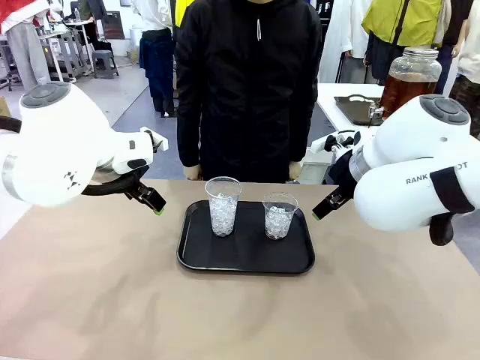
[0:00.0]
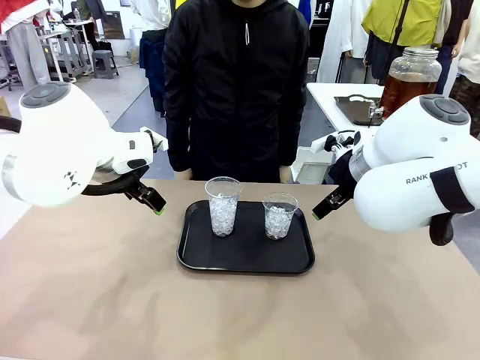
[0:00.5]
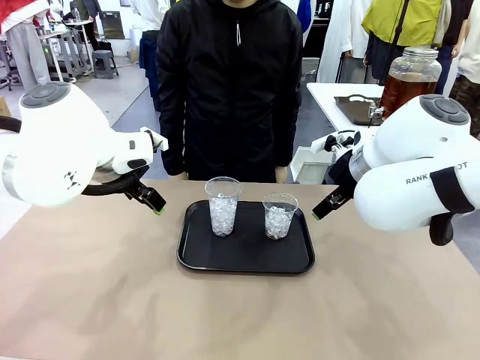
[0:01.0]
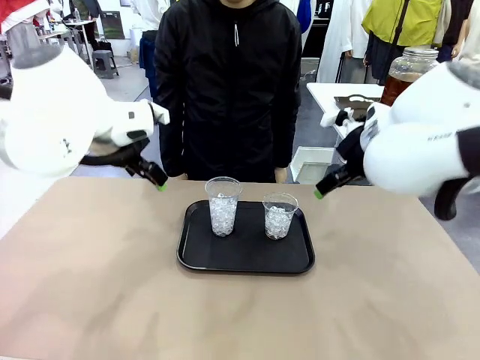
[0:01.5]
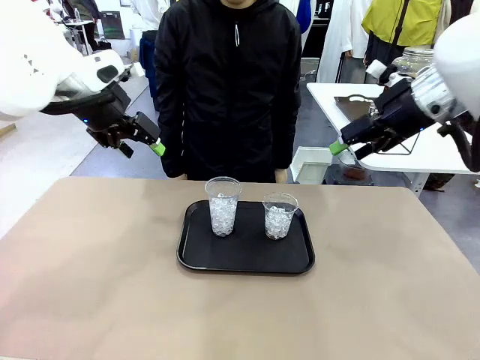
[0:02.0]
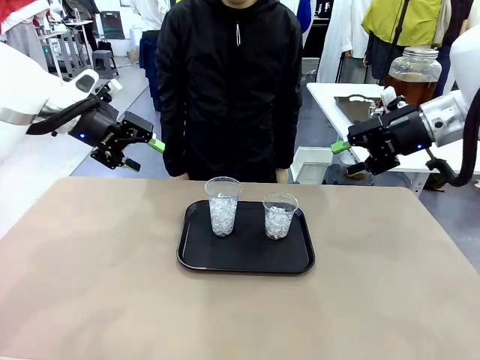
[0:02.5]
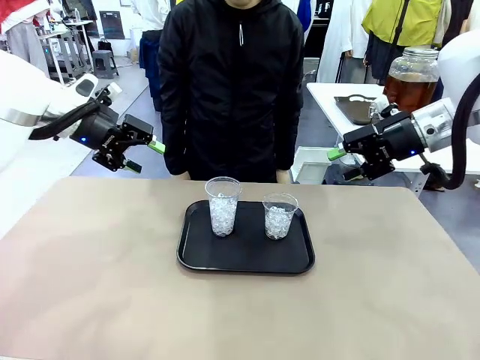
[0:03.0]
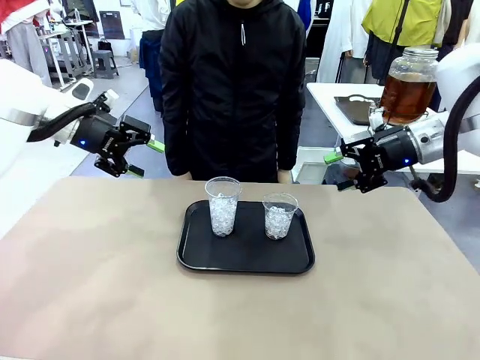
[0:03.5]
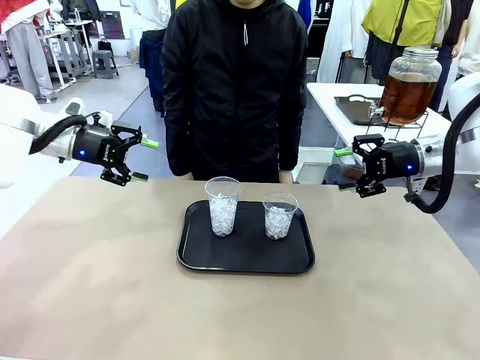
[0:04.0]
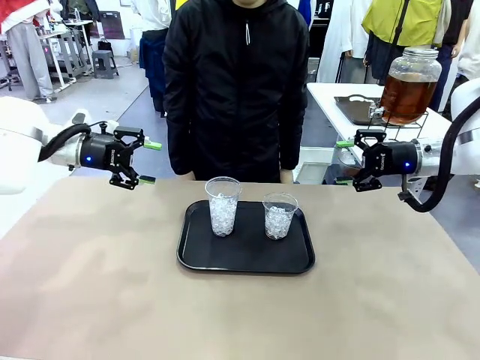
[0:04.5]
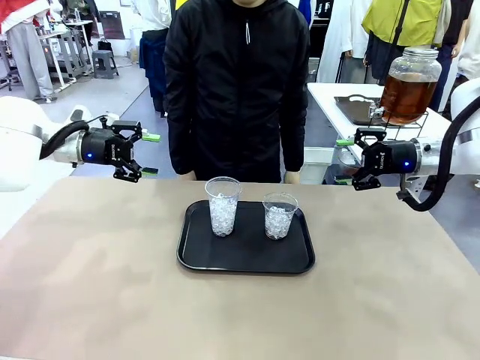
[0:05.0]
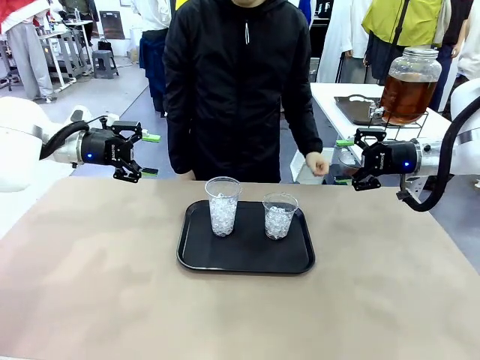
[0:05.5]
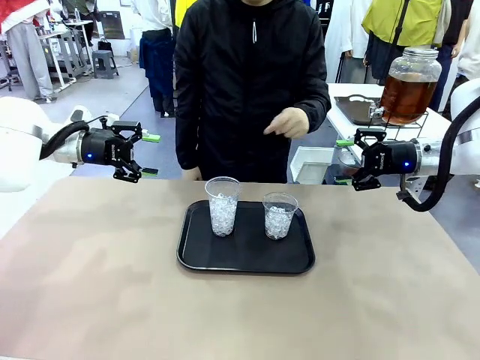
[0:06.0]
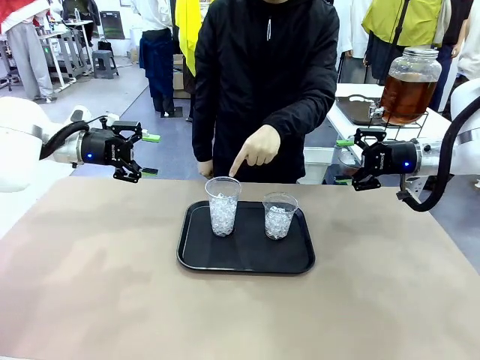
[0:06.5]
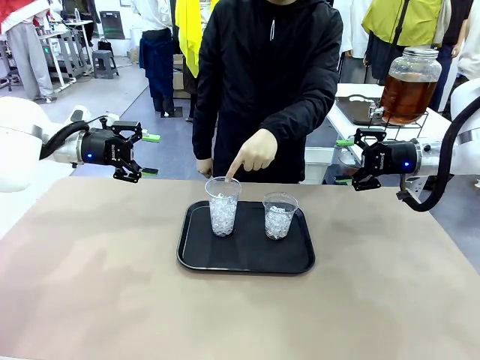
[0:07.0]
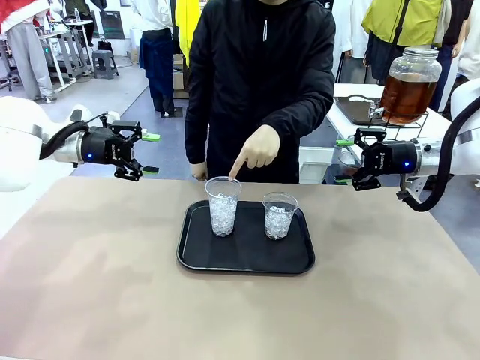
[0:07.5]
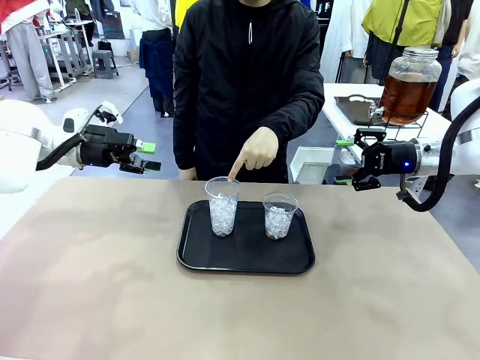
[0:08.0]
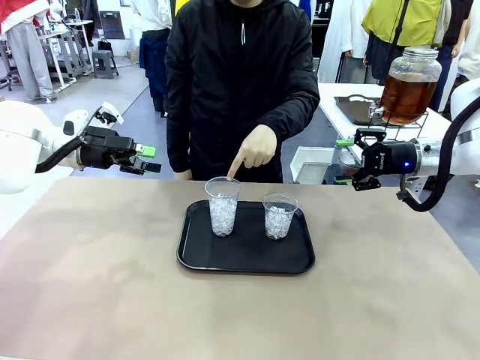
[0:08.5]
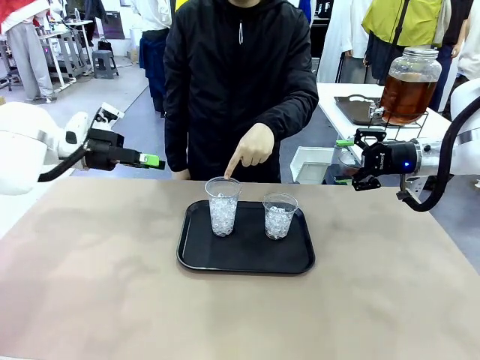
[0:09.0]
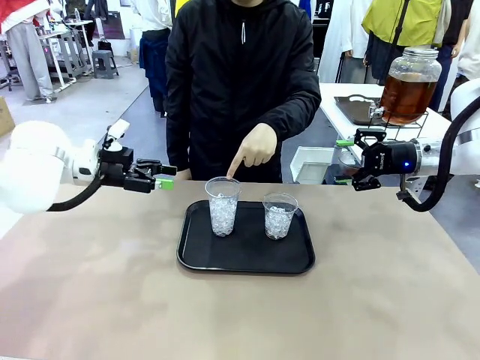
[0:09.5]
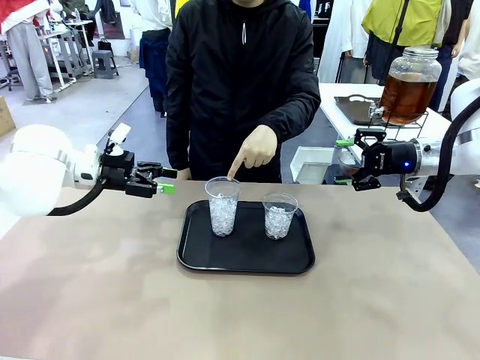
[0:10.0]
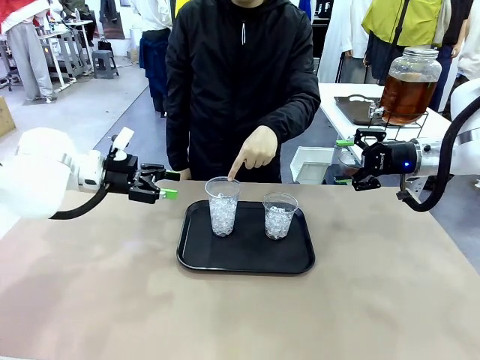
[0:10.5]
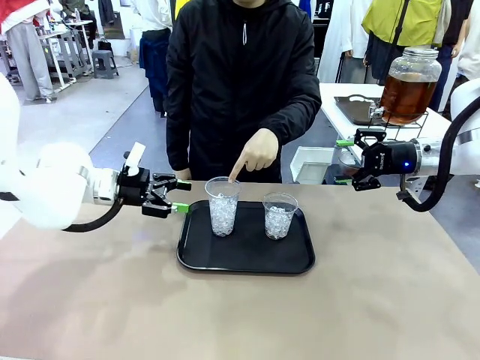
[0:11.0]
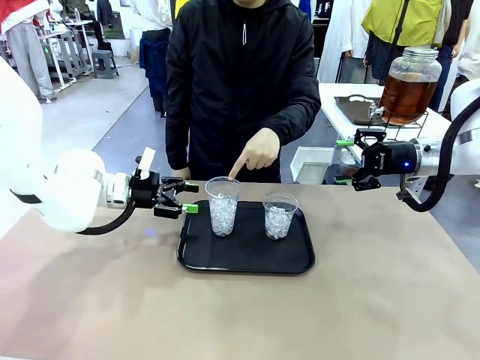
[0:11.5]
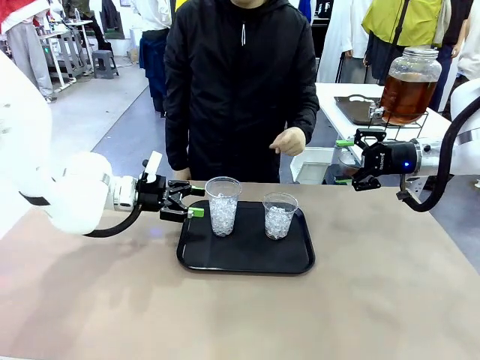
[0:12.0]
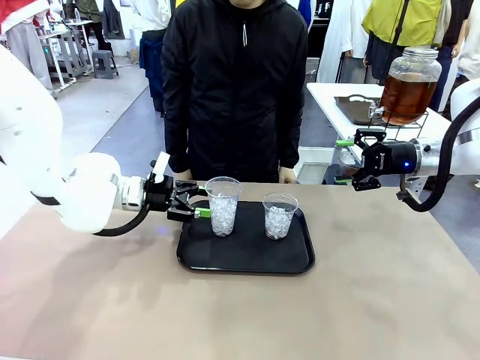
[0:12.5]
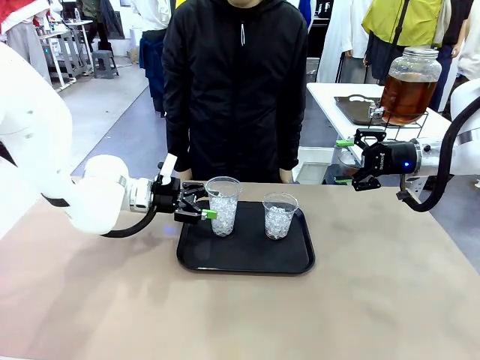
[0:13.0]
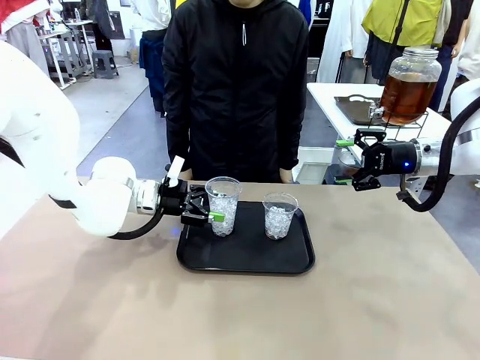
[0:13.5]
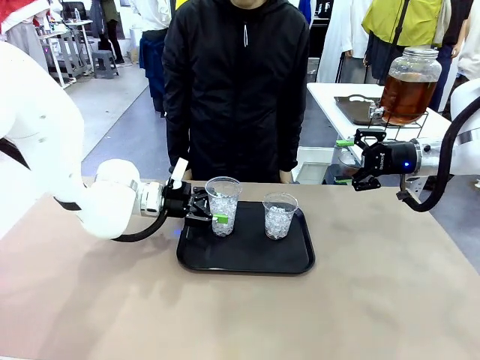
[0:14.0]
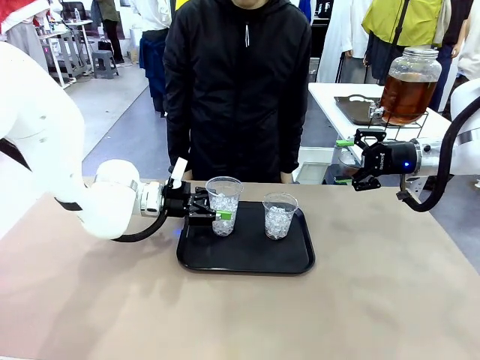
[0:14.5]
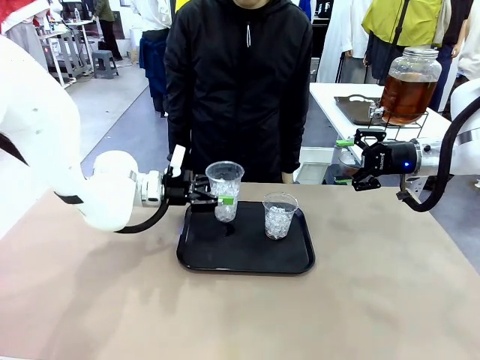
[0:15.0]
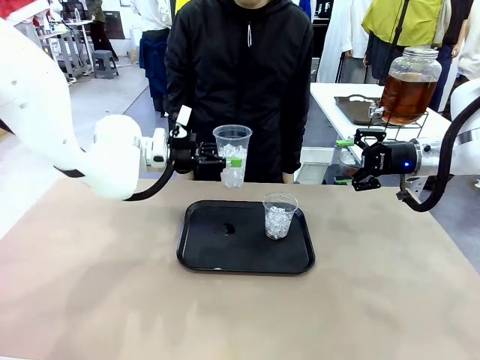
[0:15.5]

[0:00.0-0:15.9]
Task: Pour the drink into the iced cup.
Robot: Pick up the iced cup indicated by the human and present it to them.
Person: Point to one of the two ice cups. Pick up the cup offered by the robot.

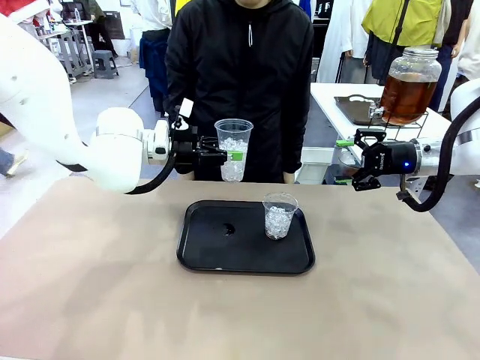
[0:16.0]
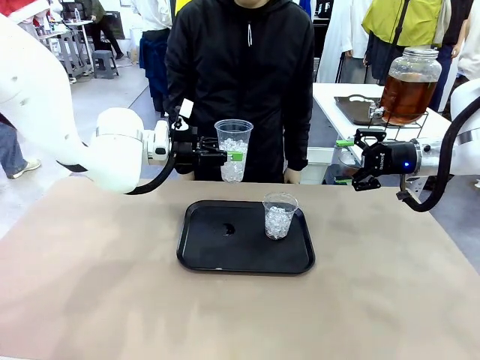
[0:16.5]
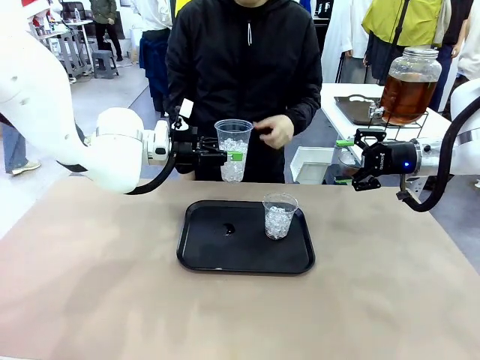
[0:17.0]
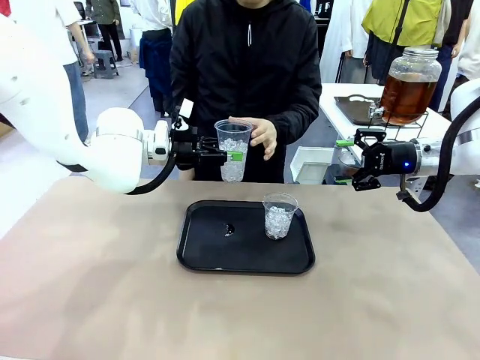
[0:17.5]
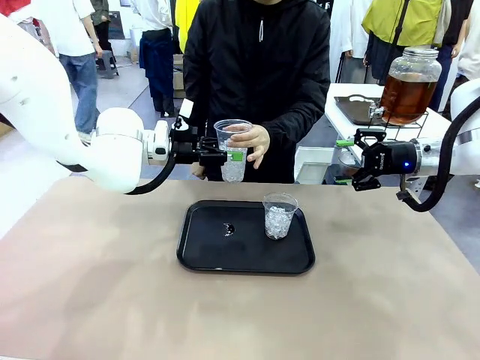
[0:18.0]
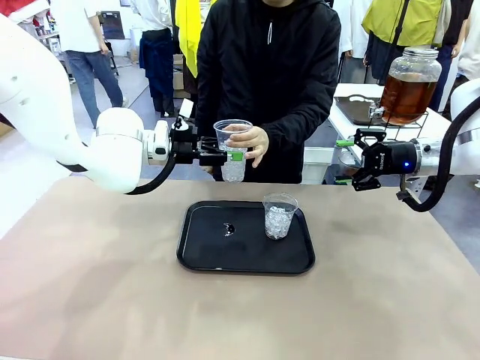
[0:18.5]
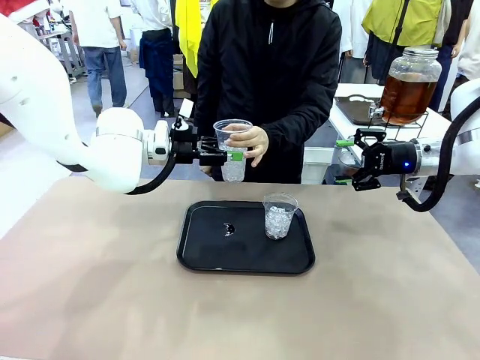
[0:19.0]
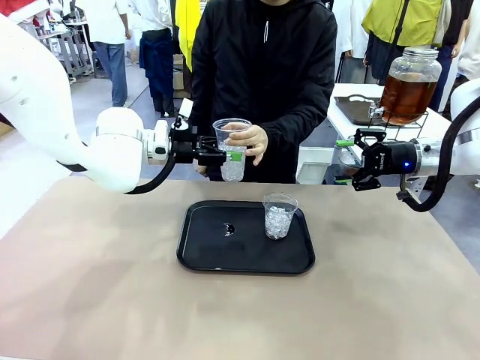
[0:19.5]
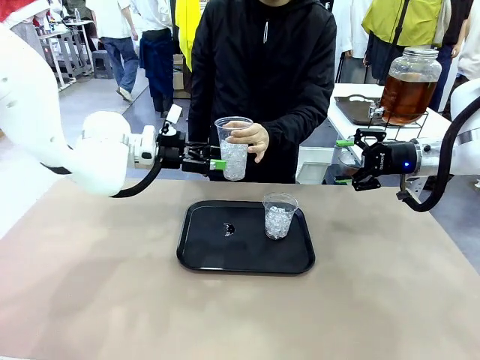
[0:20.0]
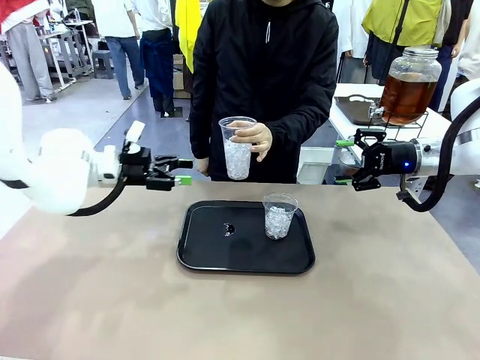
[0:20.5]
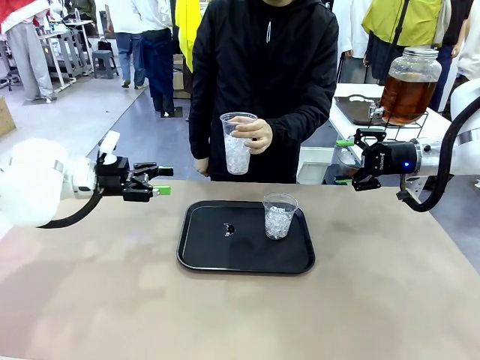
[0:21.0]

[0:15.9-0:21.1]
Robot: Open the gripper to release the iced cup you were holding.

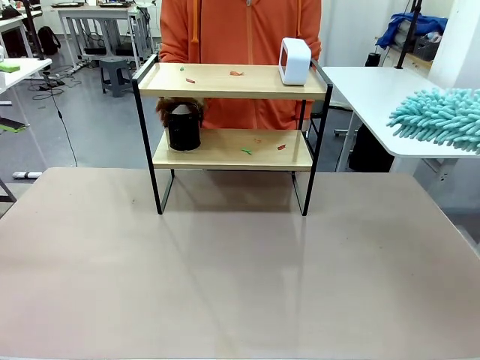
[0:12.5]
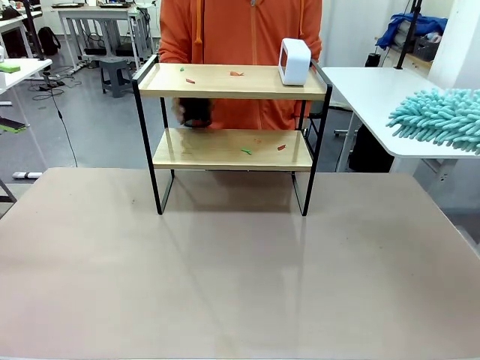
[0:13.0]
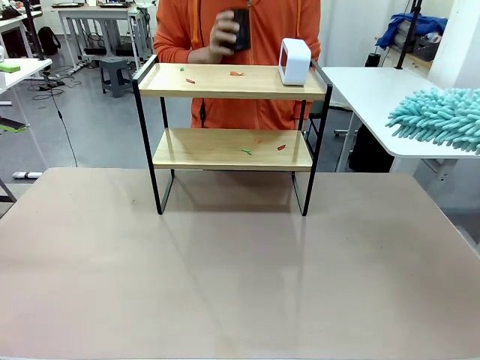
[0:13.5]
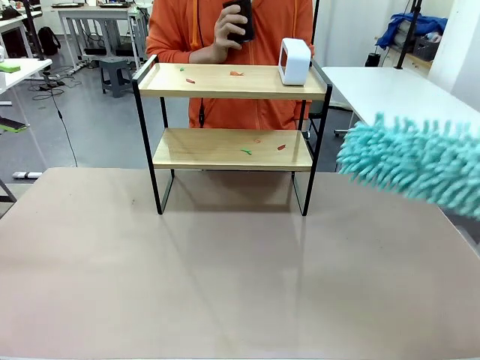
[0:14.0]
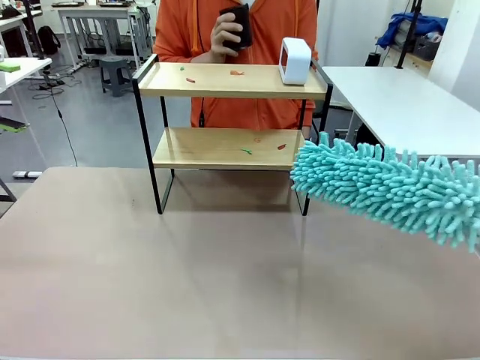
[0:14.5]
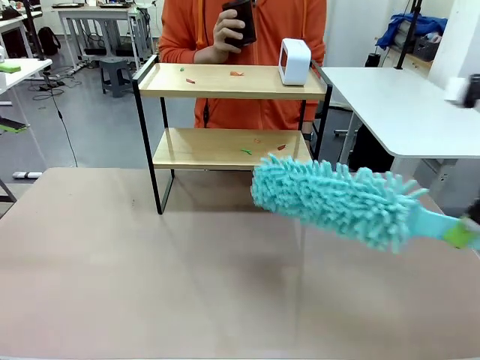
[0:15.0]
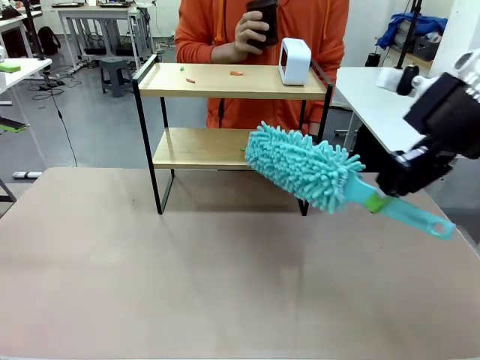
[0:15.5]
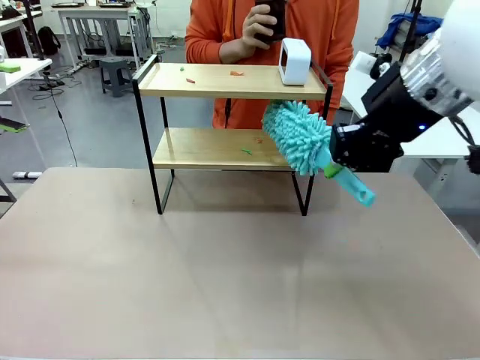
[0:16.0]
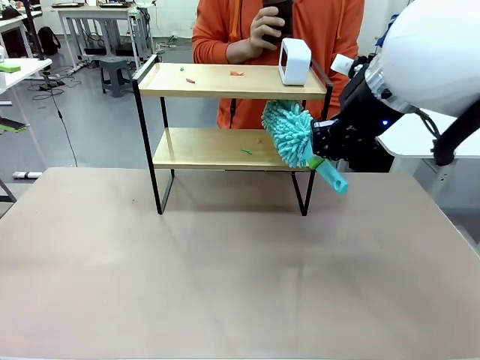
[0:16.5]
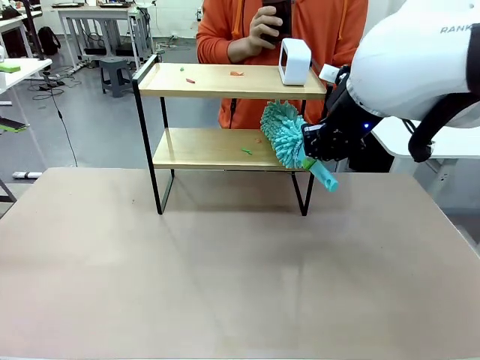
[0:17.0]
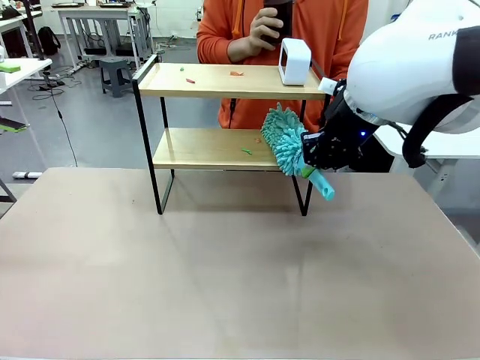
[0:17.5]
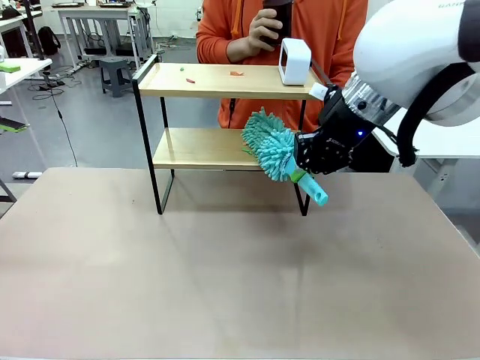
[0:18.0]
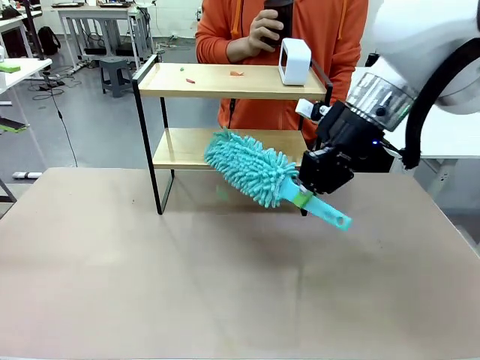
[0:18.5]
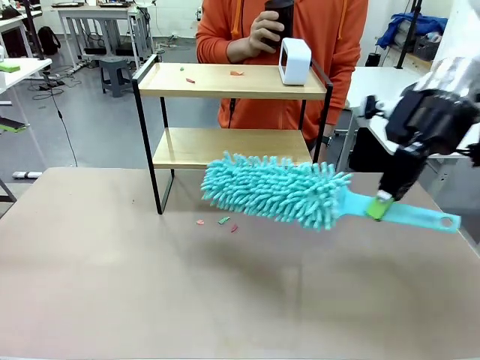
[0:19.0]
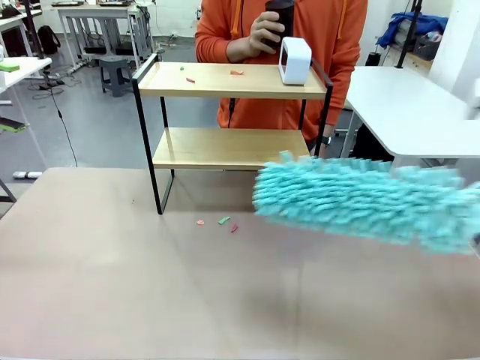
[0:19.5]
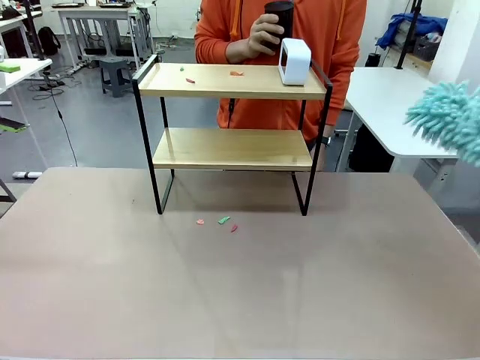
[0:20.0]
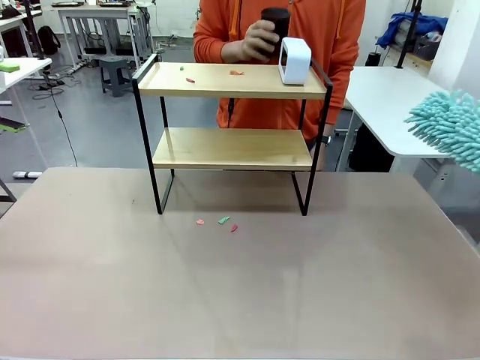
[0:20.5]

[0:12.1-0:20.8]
Task: Clean the shelf.
Robot: Clean the specific tier of the Shelf with the Duster once objects are removed.
Person: Lift the objects on a randomly selected tier of the Shelf. Once the robot finishes cleaning, lift the objects on the remaining tiers of the Shelf.
